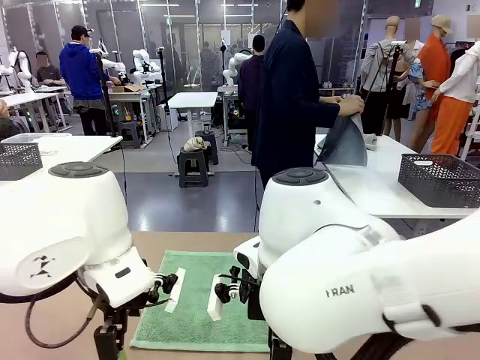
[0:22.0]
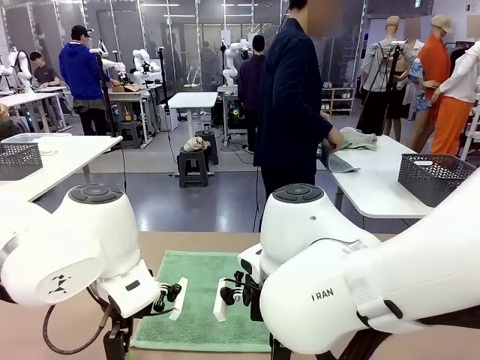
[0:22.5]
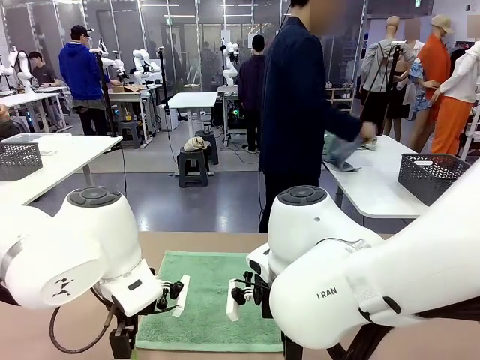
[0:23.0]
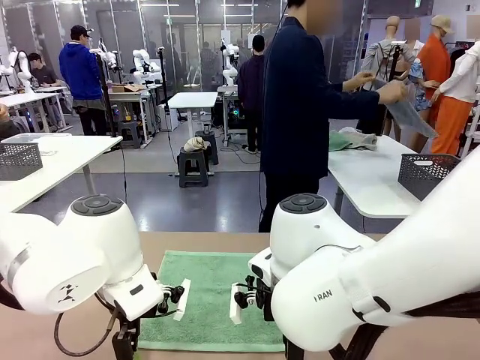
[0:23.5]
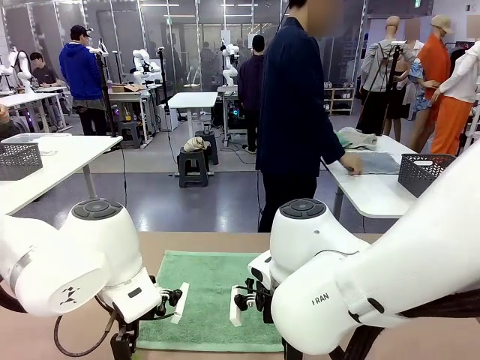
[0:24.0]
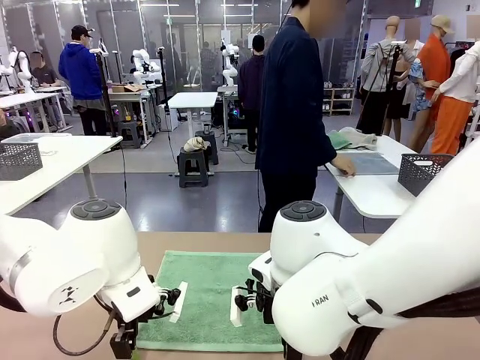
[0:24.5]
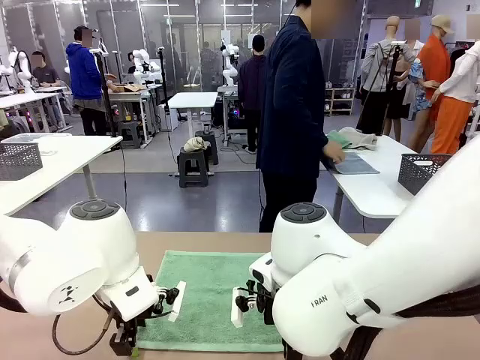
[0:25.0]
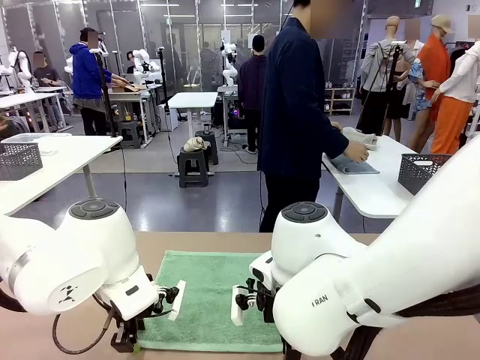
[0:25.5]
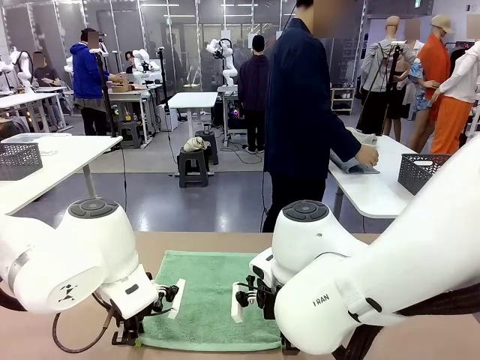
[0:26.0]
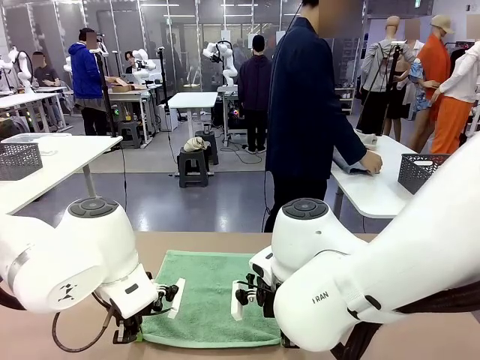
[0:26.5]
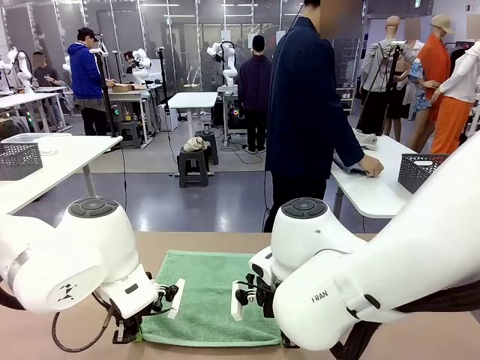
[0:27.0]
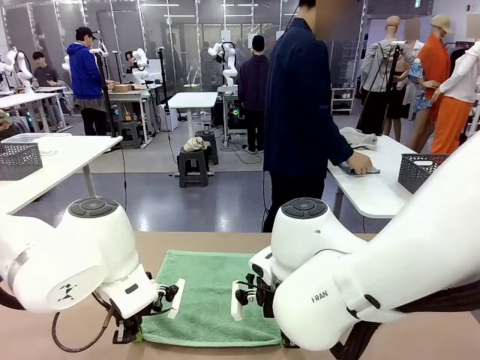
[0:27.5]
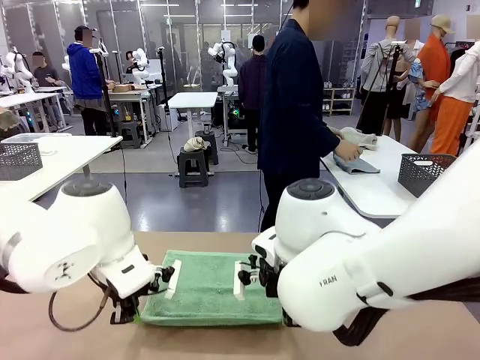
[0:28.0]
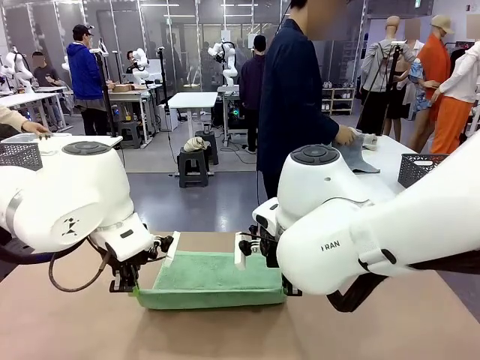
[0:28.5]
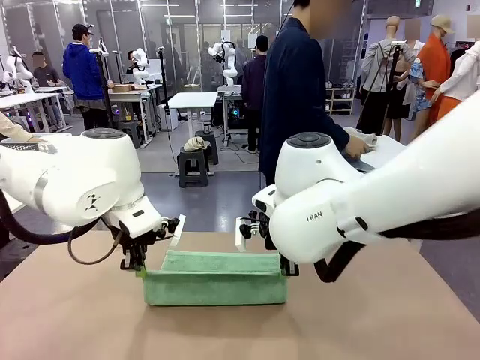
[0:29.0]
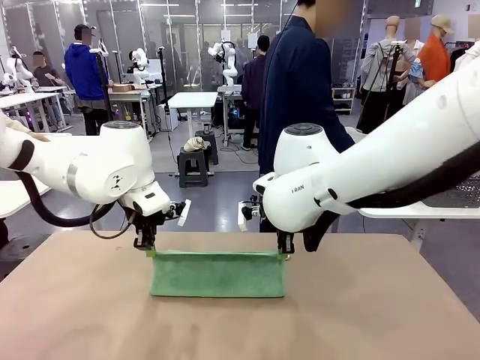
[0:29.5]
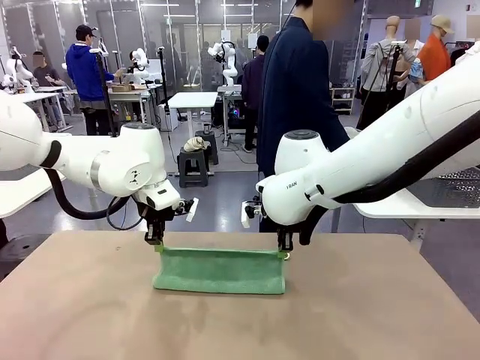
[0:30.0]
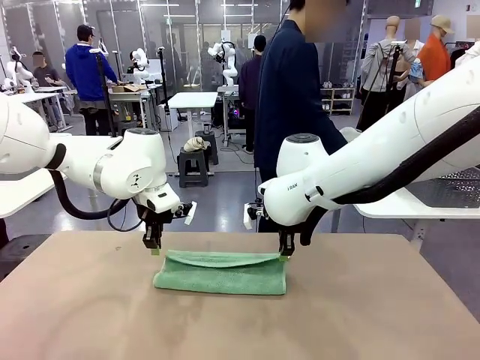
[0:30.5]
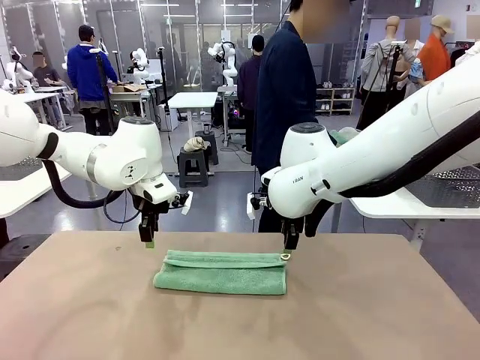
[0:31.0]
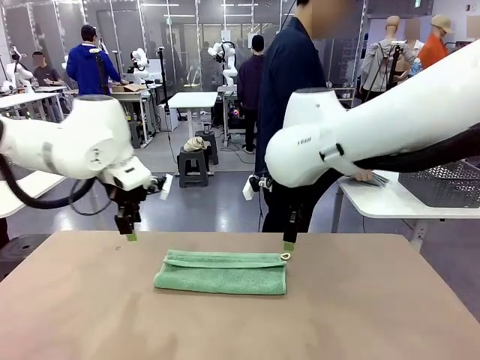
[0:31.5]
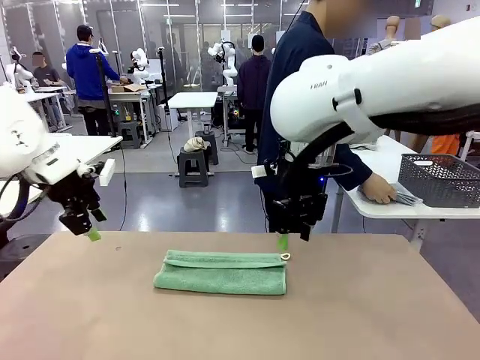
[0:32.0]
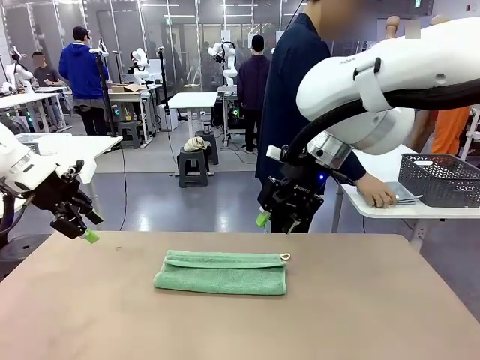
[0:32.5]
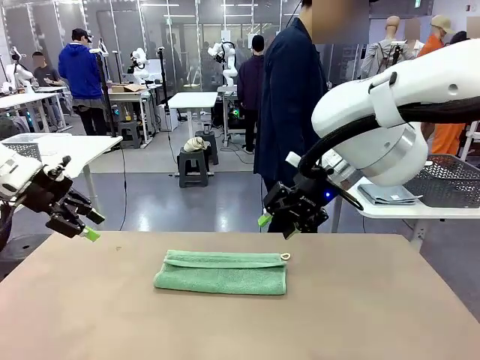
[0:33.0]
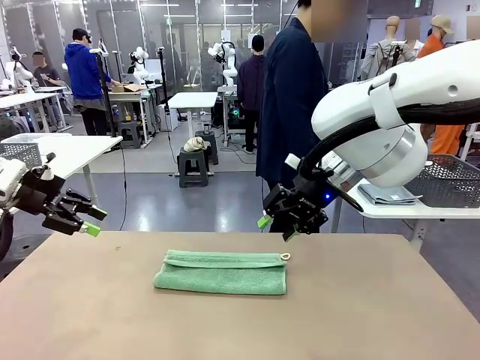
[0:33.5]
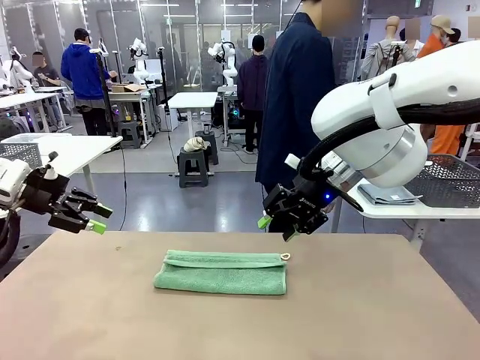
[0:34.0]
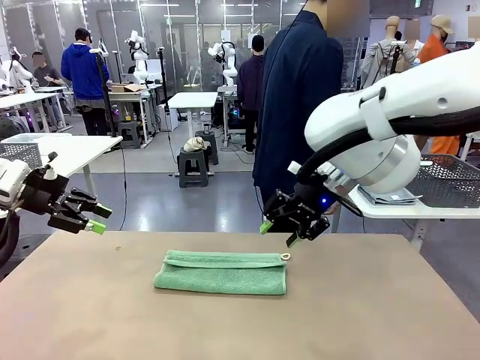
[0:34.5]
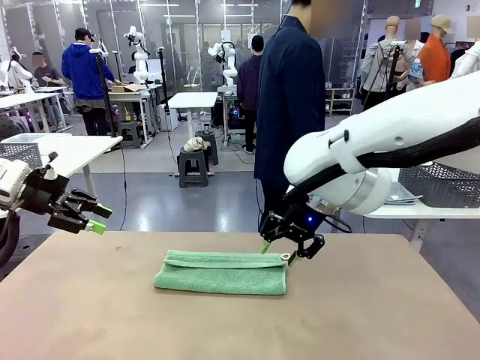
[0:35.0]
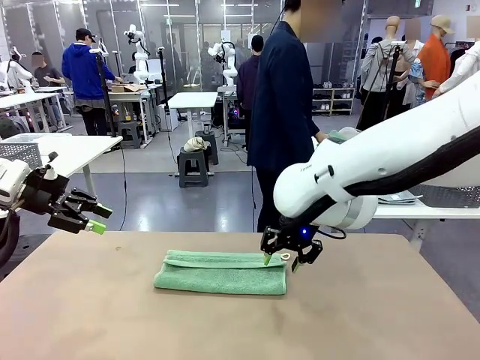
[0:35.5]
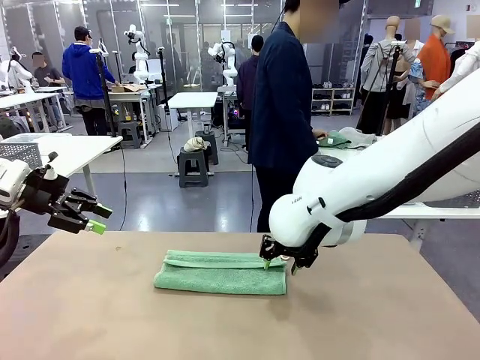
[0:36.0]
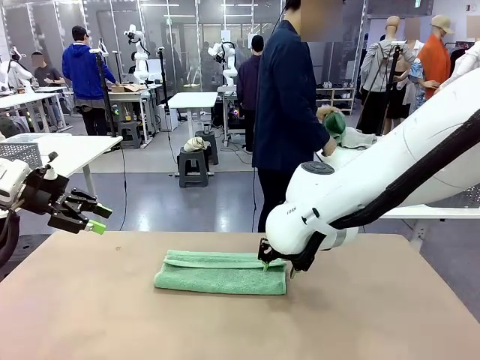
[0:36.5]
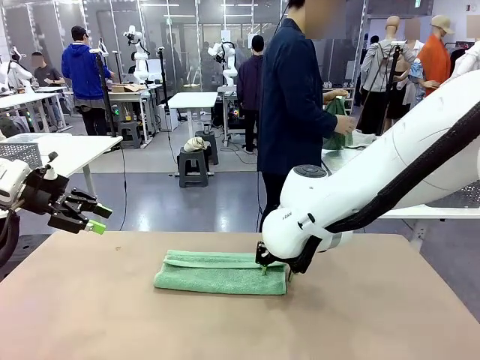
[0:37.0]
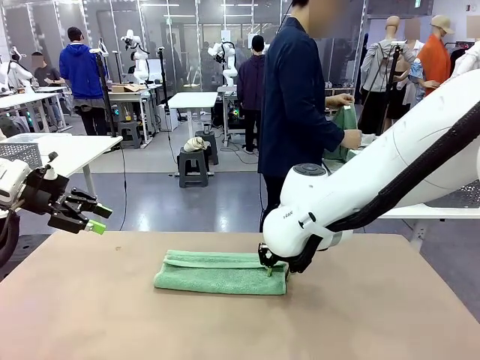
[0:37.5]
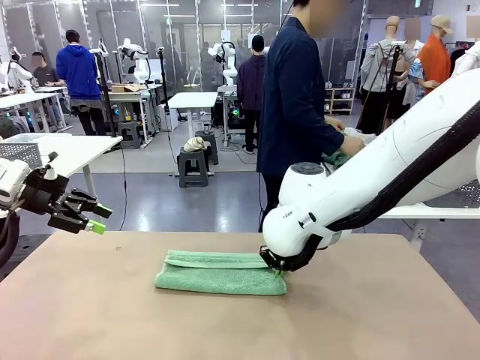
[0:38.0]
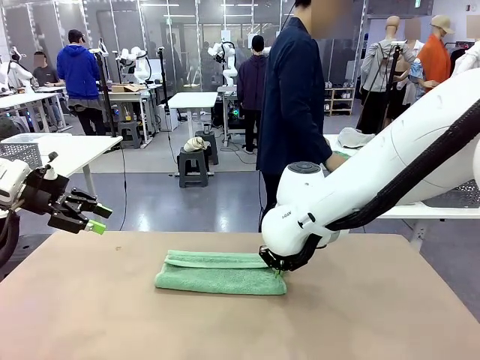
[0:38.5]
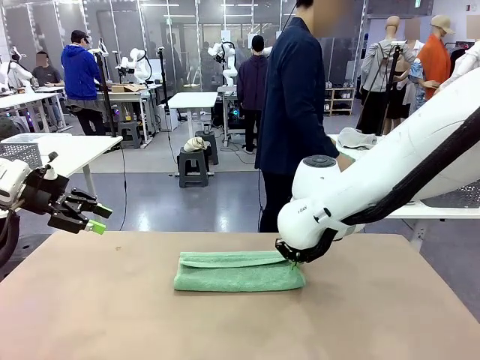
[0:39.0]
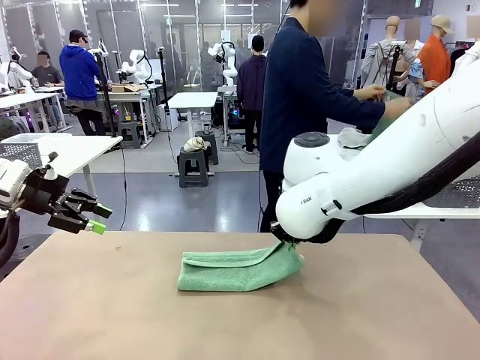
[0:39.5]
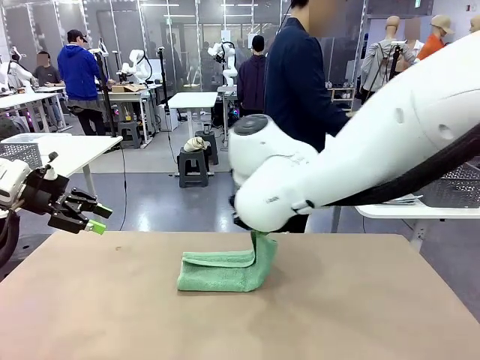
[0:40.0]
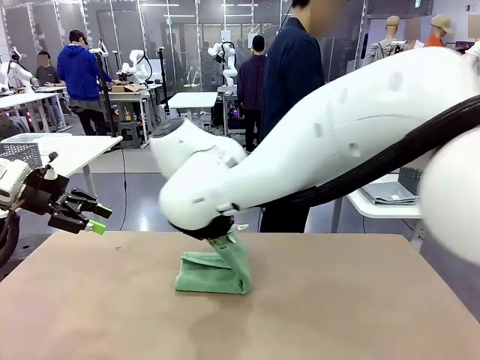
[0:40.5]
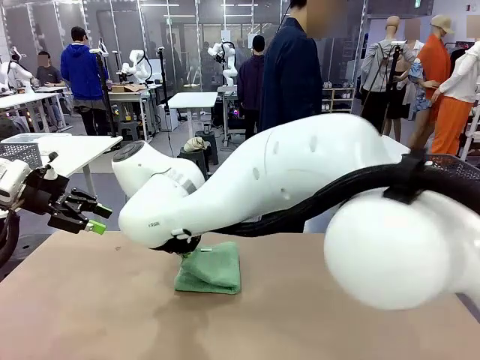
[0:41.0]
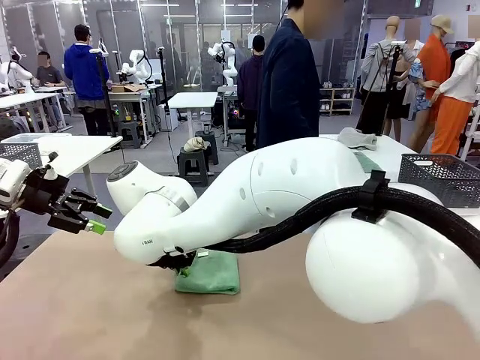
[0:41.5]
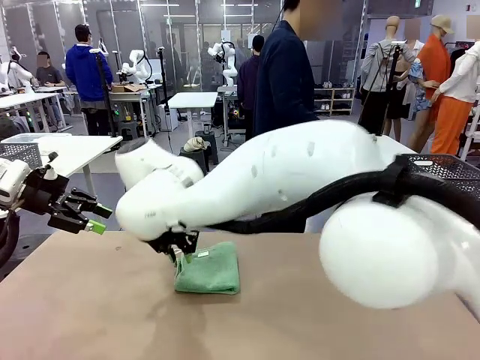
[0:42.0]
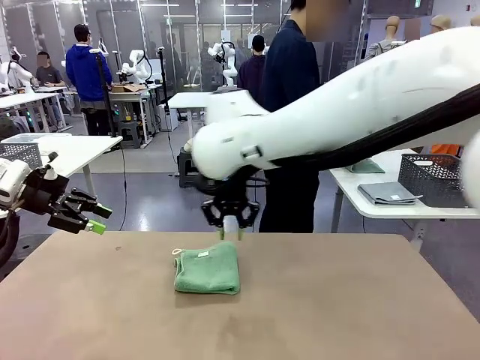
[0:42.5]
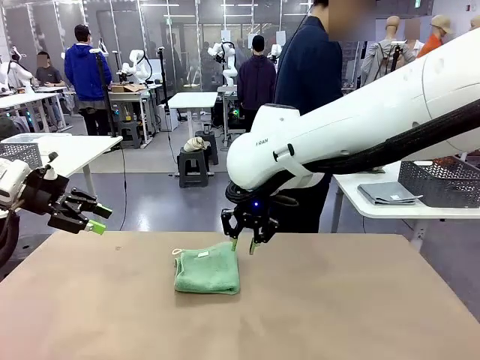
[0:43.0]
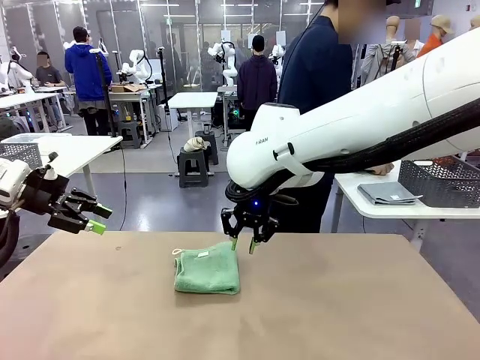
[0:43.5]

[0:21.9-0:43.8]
Task: Fold the towels and place them in the basket.
Robot: When a person lays out a Towel with hook on the table, fold it in half twice.
Person: Pick up one towel from the left side of the human table, fold it in half twice, and place it on the right side of the table. Pick up one towel from the left side of the human table, fold it in half twice, and stack it on the right side of the table.
